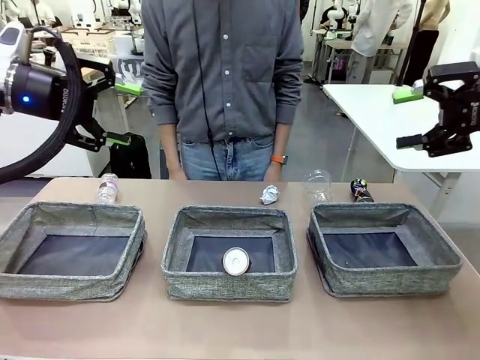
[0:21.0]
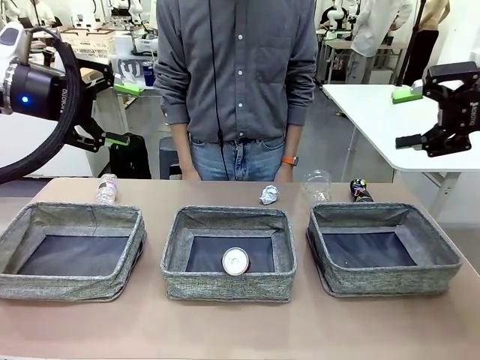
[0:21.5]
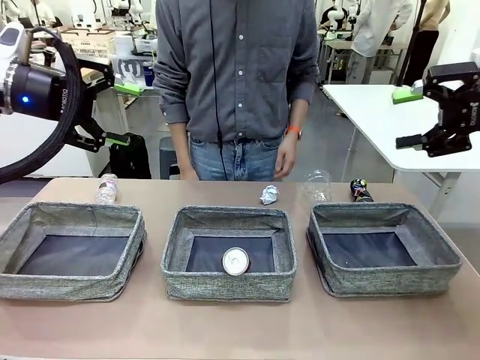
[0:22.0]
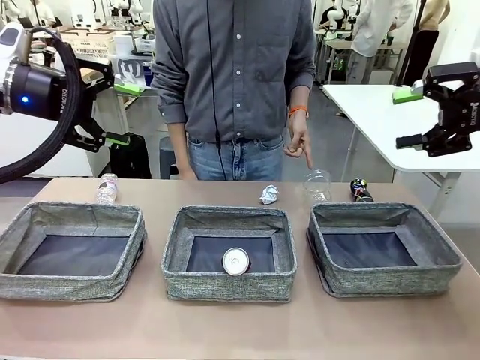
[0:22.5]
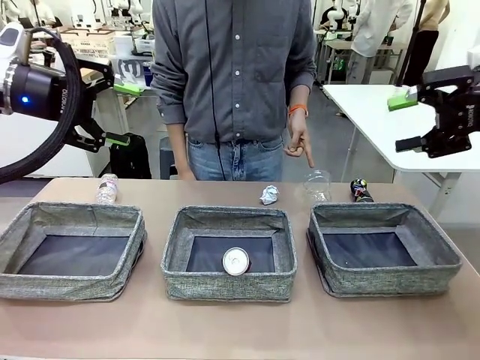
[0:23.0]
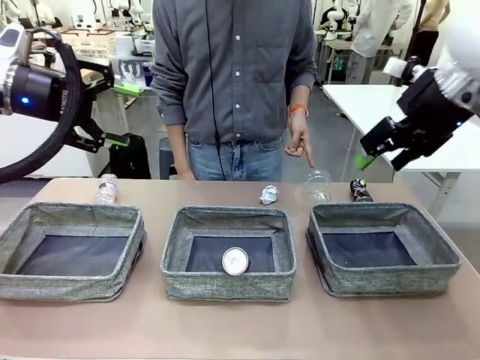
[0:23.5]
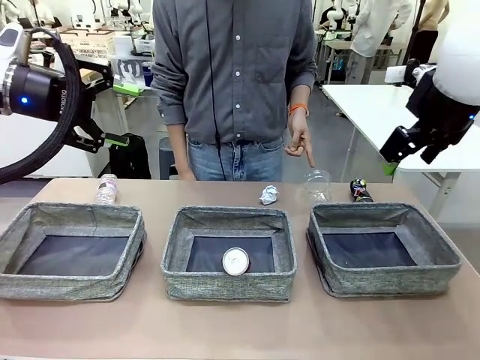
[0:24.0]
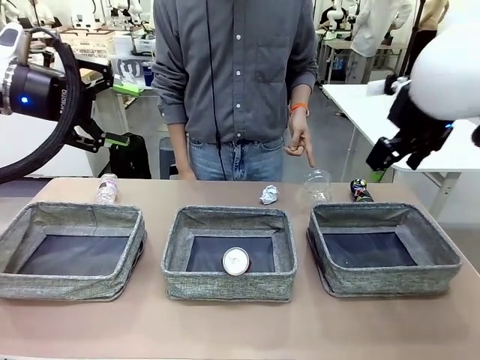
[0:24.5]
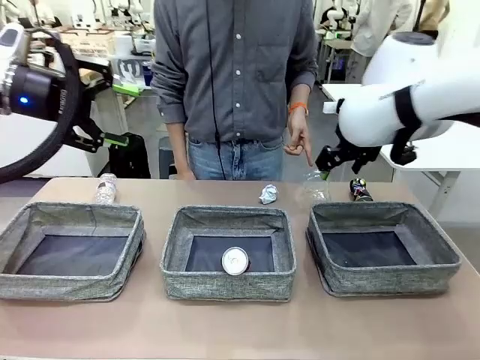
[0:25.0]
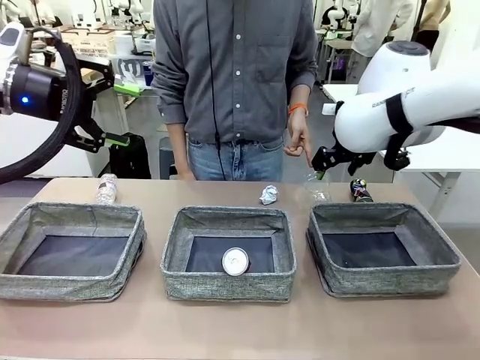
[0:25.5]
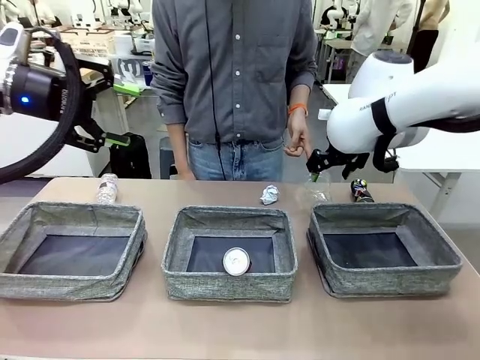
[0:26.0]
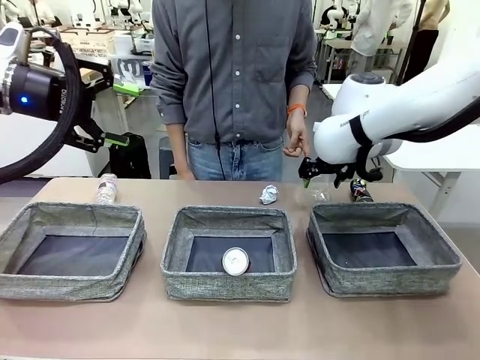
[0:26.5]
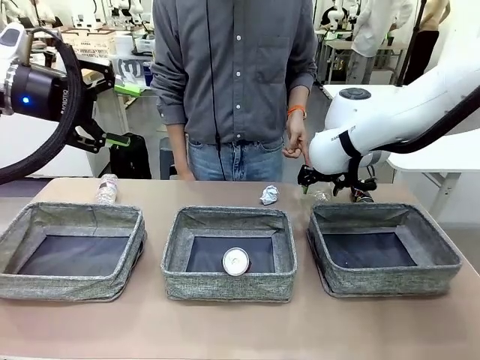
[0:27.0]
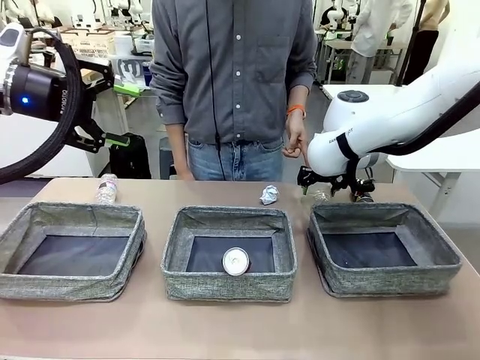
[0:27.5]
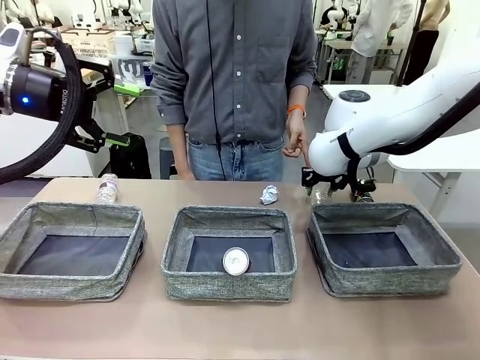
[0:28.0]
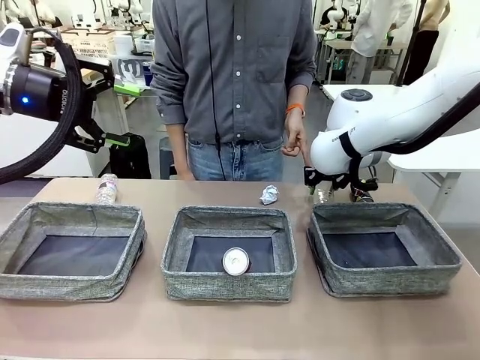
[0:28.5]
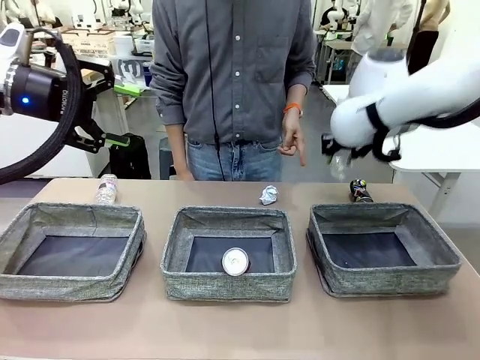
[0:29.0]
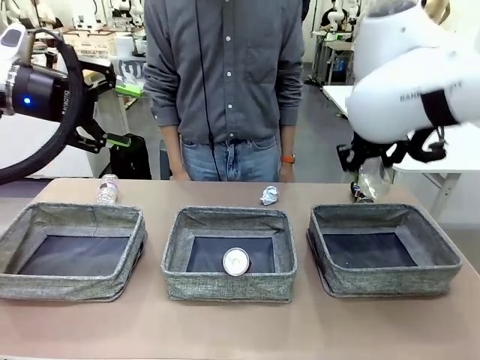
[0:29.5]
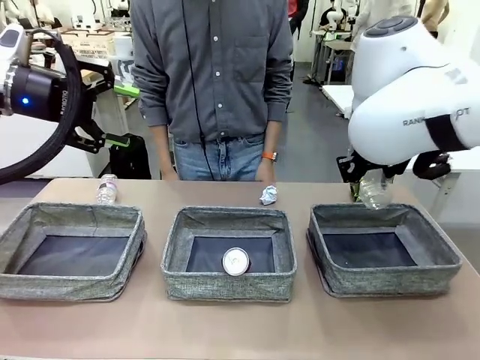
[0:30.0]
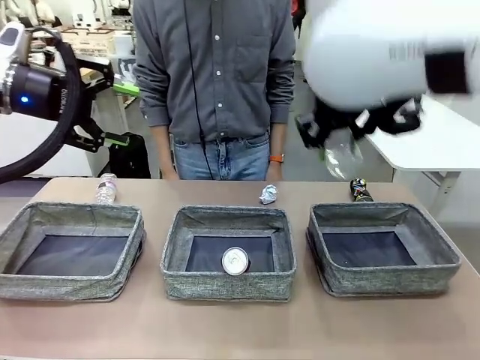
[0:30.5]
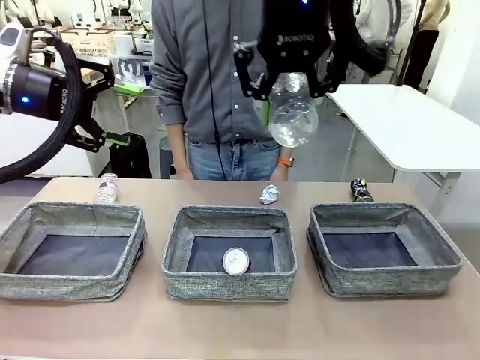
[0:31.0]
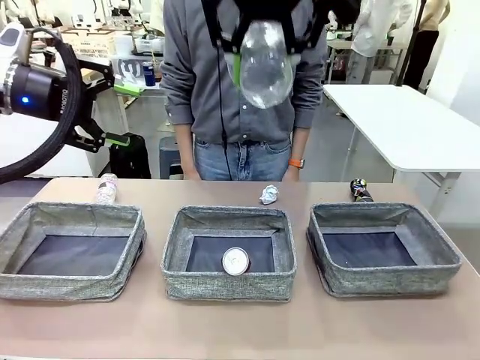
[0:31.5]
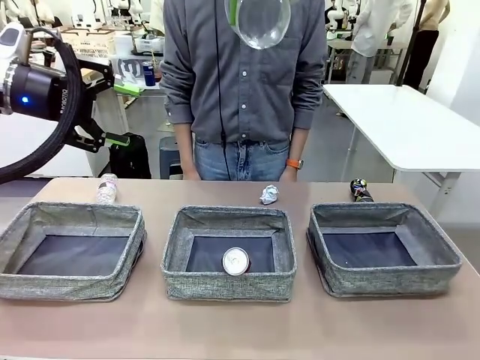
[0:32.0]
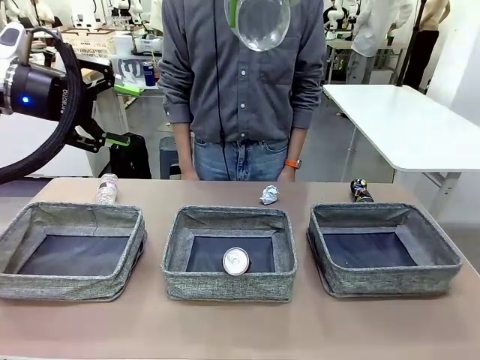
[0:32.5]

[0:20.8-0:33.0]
Task: Sort the waste into the appropriate baskets.
Robot: Pick up the waste item pointed out by the person.
Person: Points to one piece of trash on the table.

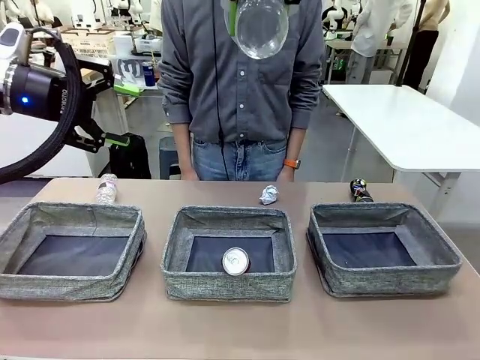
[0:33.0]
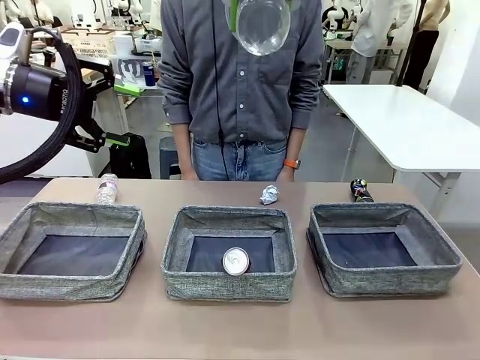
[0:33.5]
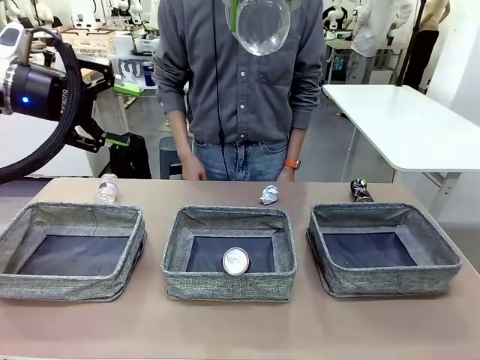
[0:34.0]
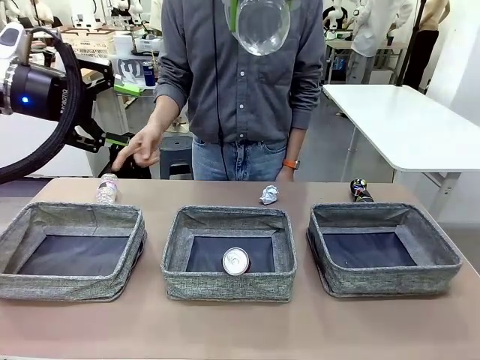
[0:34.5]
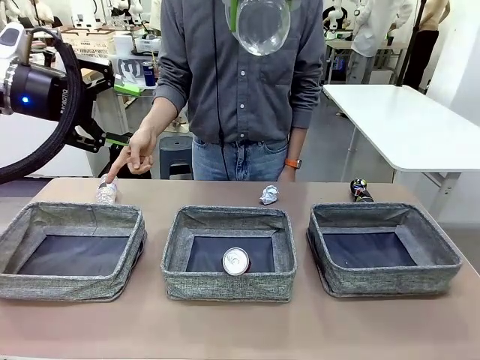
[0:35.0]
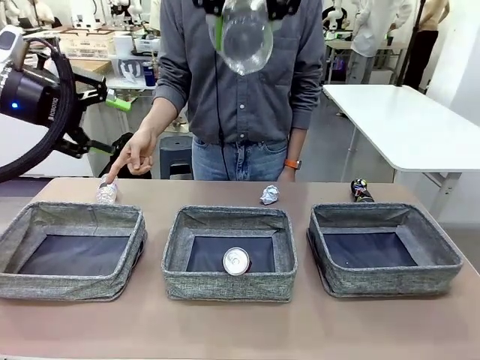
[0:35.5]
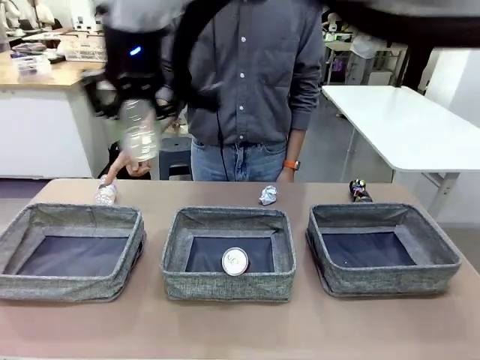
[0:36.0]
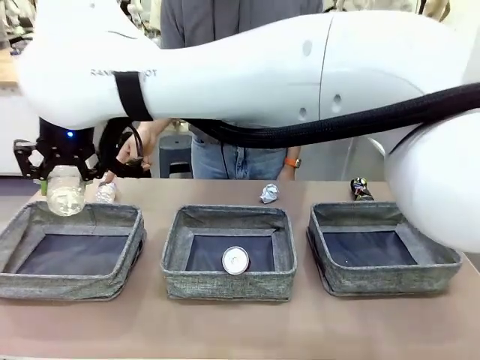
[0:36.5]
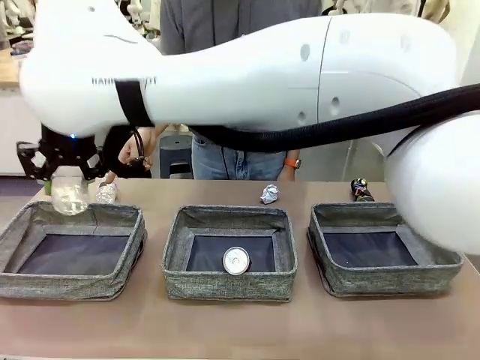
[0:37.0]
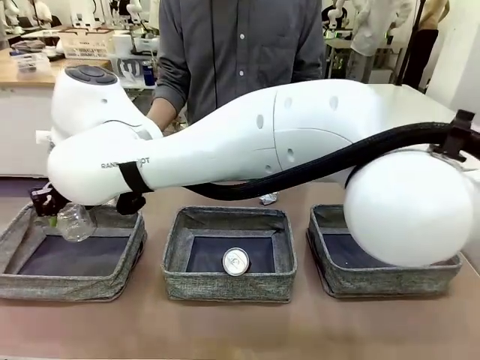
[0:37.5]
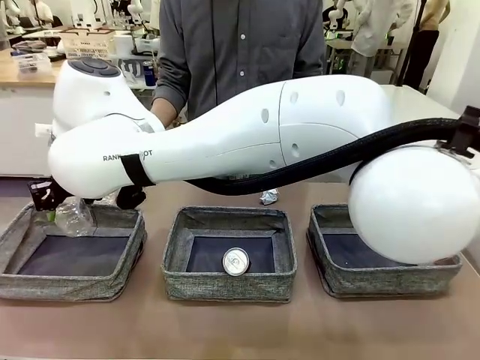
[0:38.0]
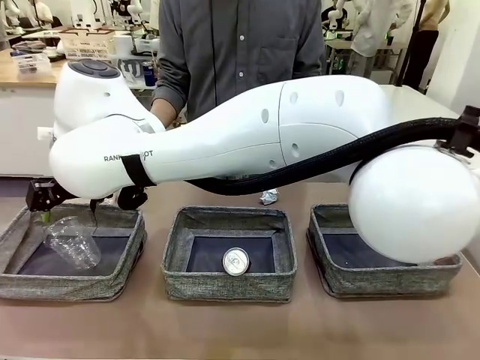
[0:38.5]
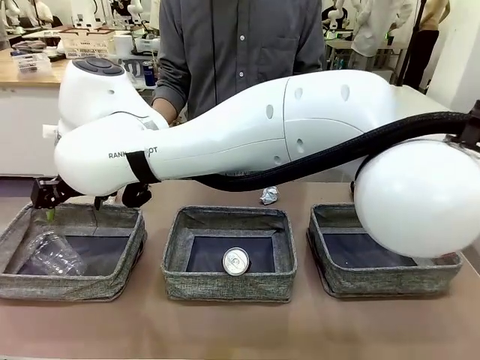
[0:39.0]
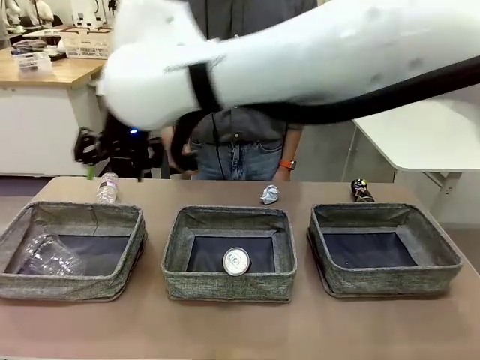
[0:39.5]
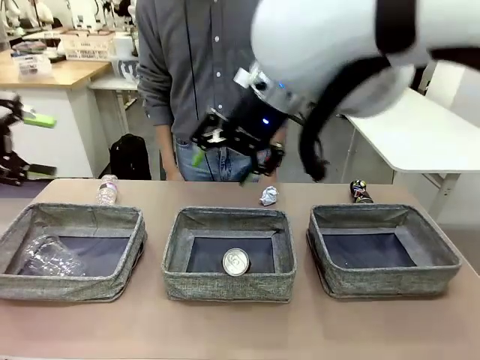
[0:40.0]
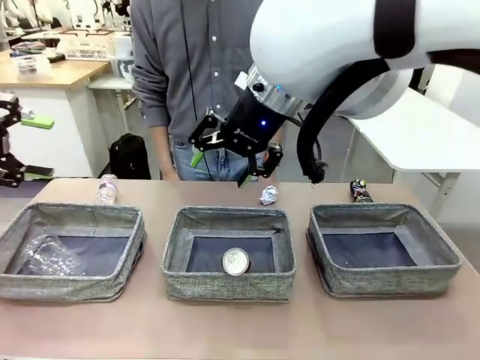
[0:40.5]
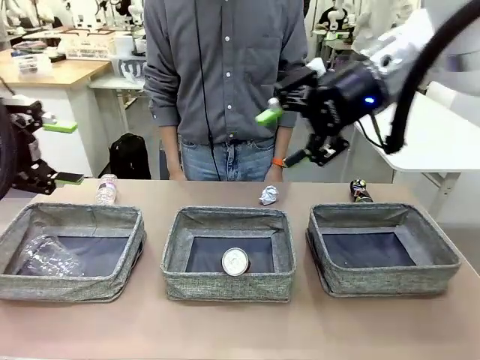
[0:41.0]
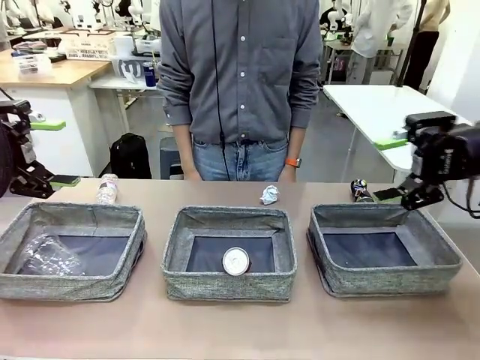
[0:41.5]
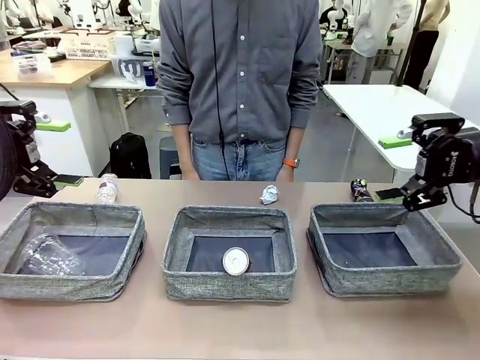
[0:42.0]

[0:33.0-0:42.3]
Robot: Place the picked waste into the Fabric basket indicated by the person.
Person: Instructs the robot to place the picked-up trash into the appropriate organizing basket.

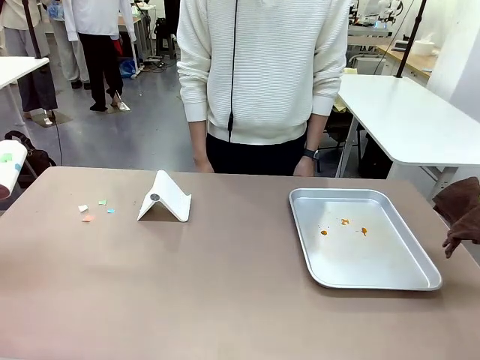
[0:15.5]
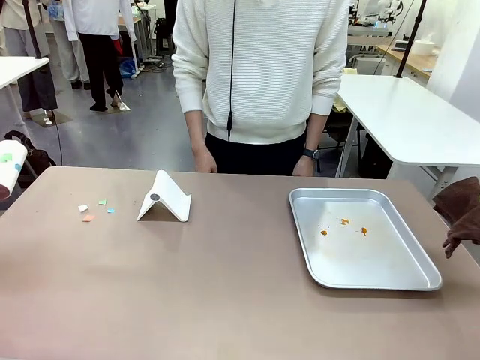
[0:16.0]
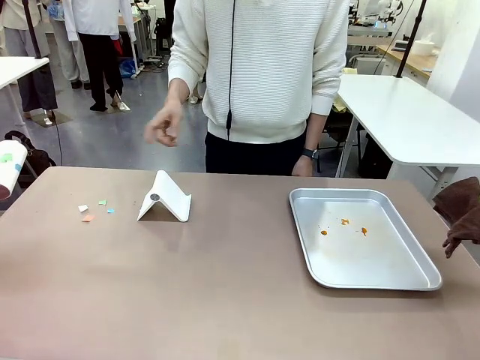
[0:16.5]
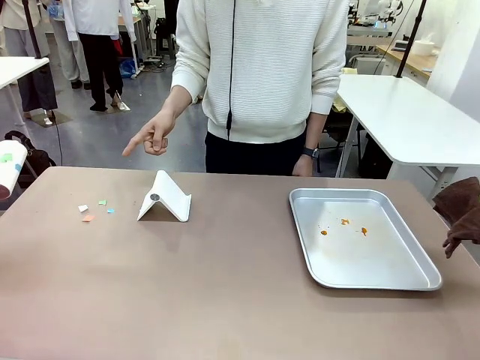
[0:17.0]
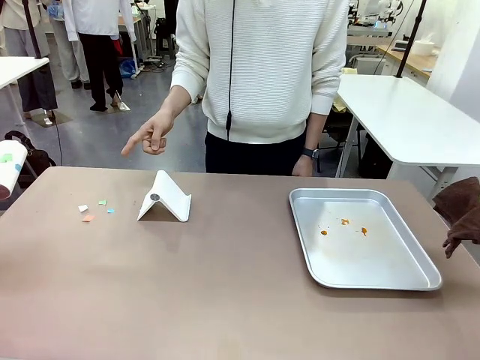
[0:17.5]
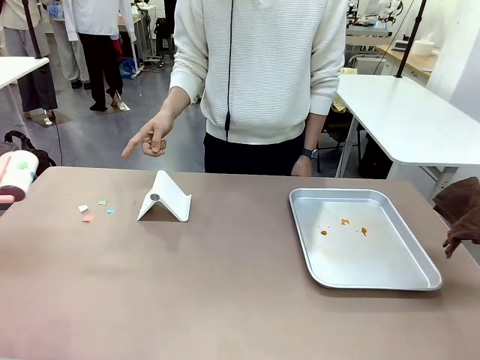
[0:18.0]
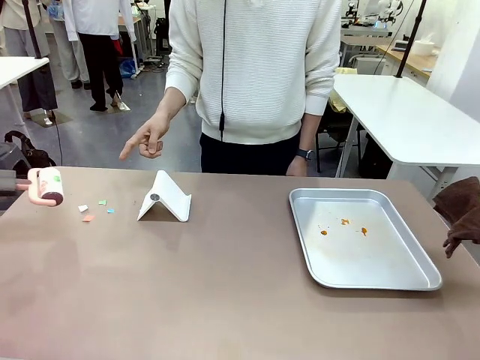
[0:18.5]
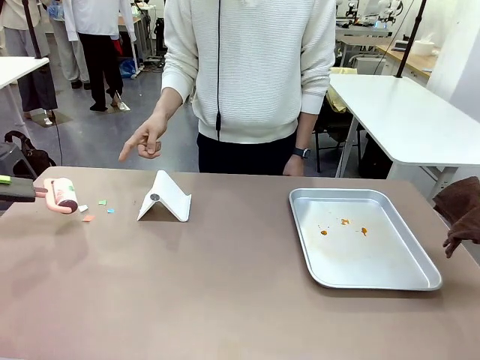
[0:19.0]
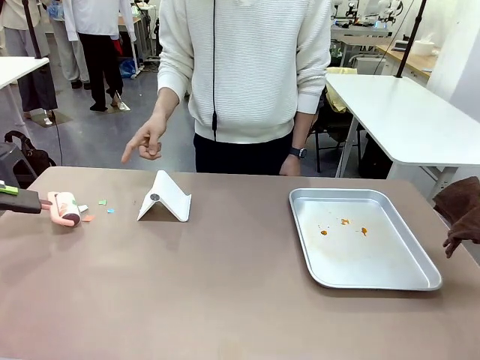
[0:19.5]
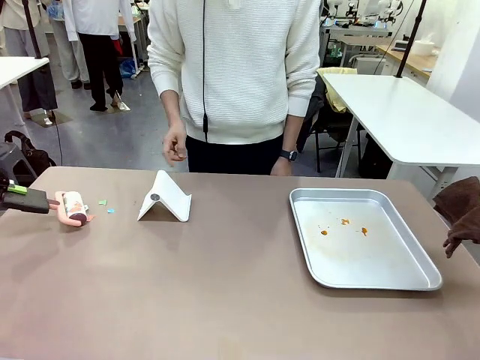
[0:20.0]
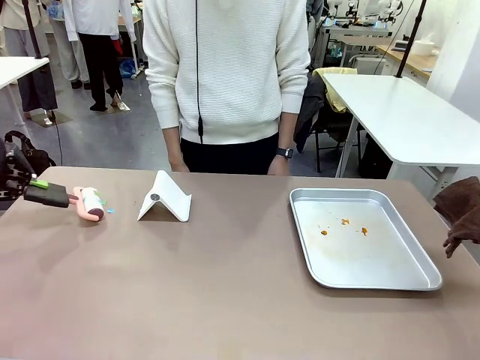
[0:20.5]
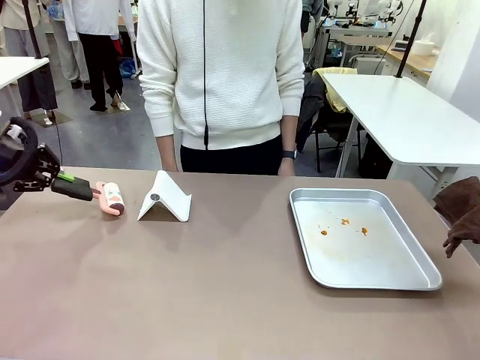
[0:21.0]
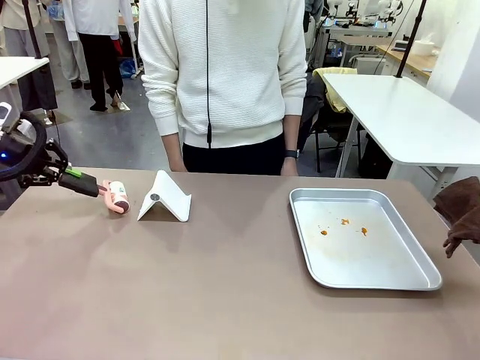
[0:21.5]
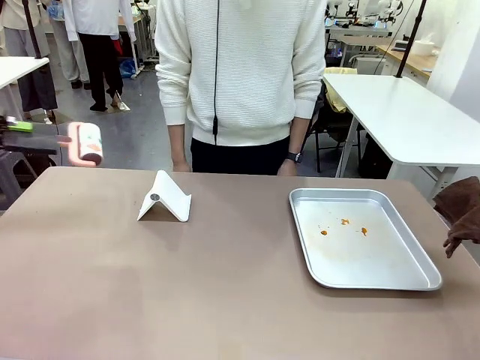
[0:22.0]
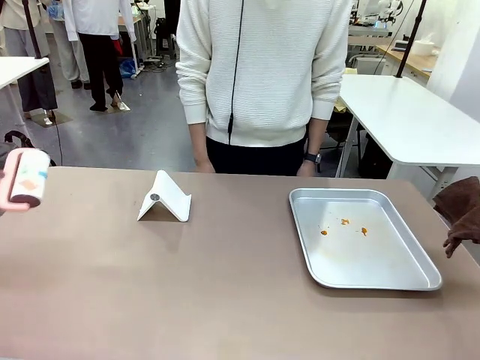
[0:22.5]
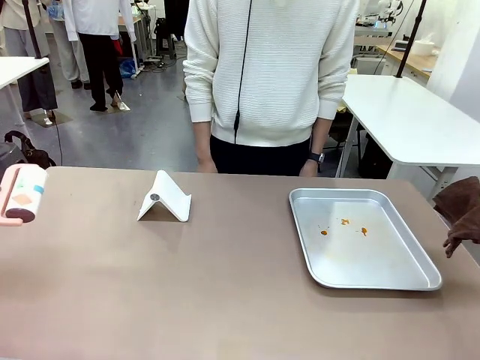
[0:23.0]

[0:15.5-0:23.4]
Task: Clean the surface of the table.
Robot: If a person points to the right, clean the right side of the table with your right hand, and if they point to the left, clean the left side with your left hand.
